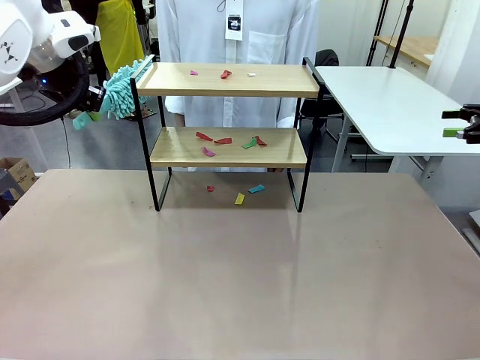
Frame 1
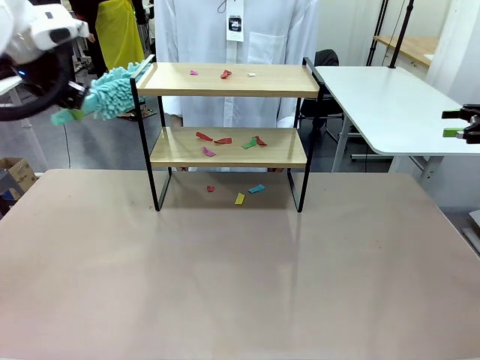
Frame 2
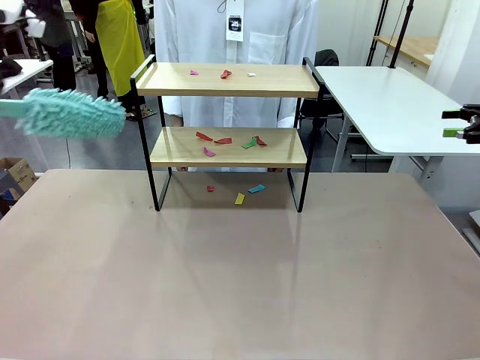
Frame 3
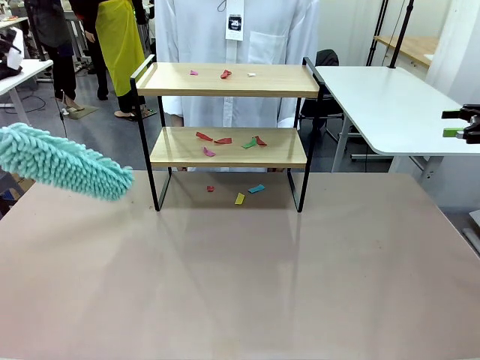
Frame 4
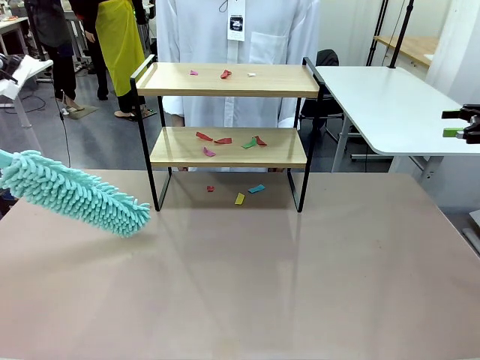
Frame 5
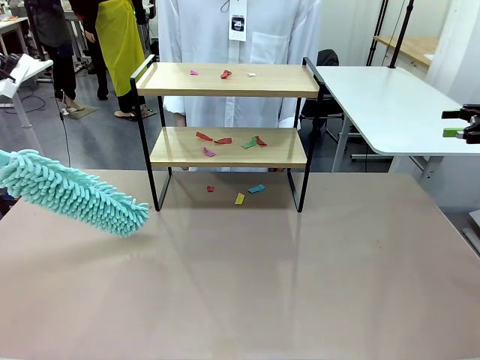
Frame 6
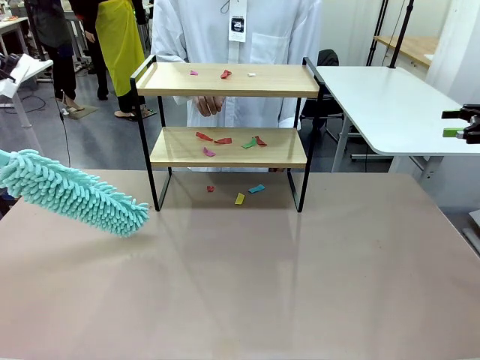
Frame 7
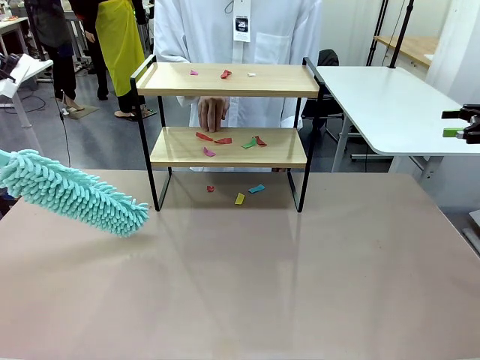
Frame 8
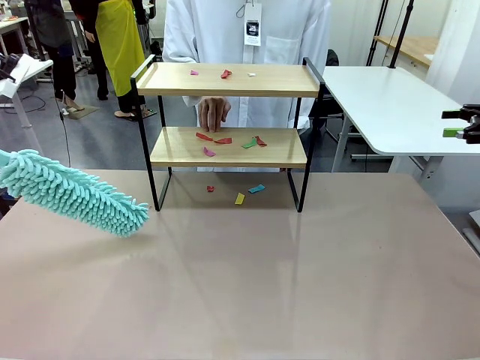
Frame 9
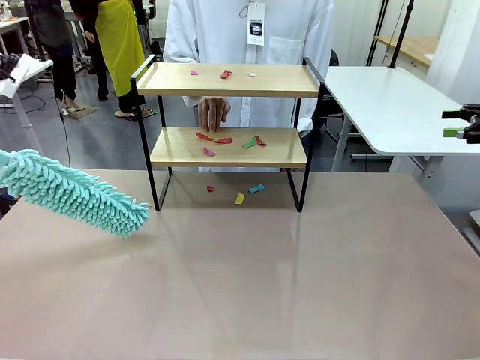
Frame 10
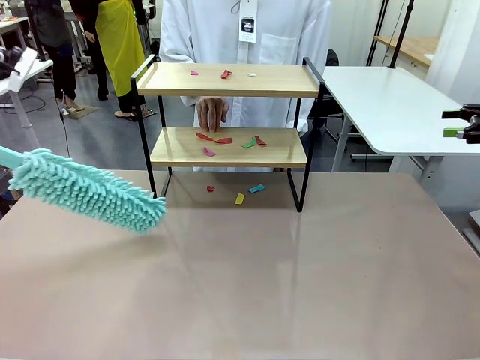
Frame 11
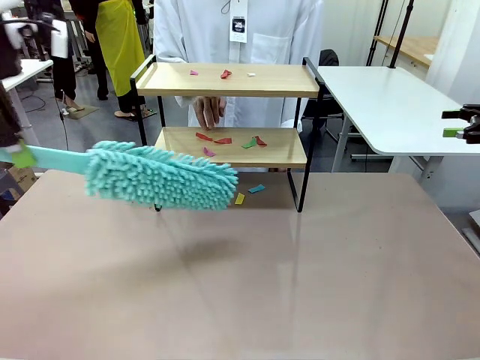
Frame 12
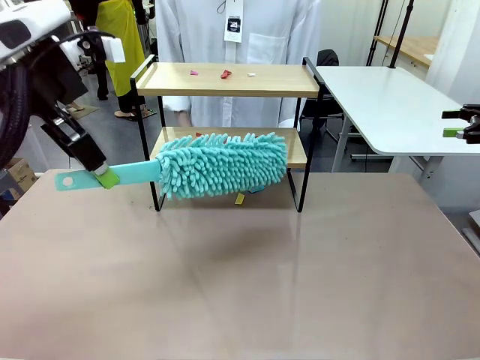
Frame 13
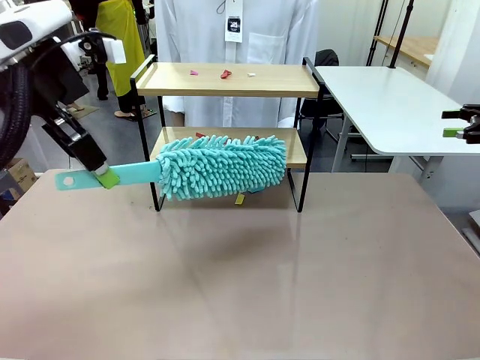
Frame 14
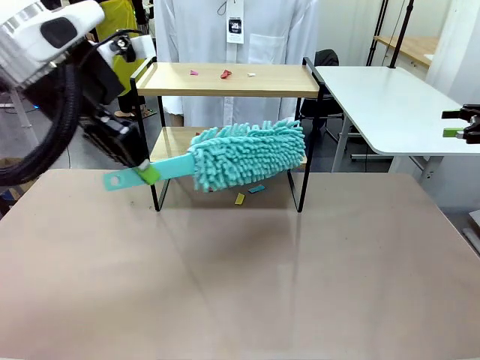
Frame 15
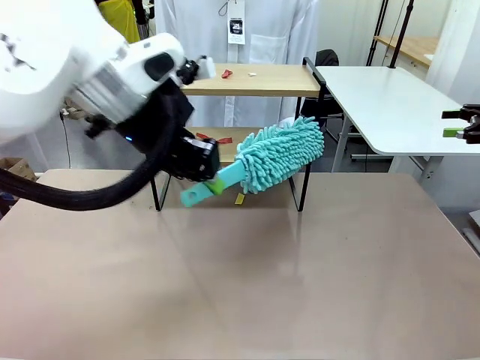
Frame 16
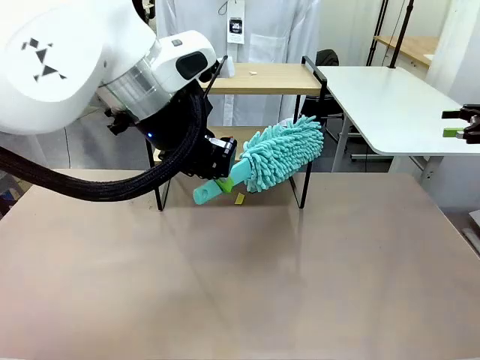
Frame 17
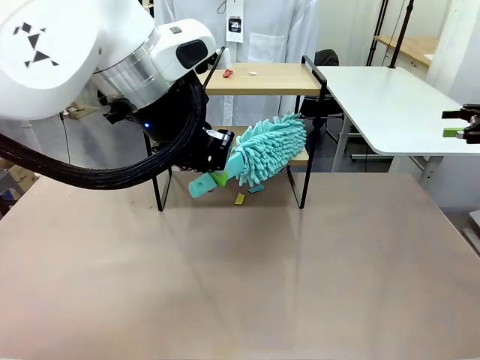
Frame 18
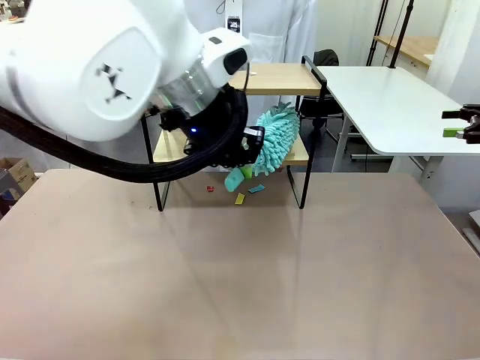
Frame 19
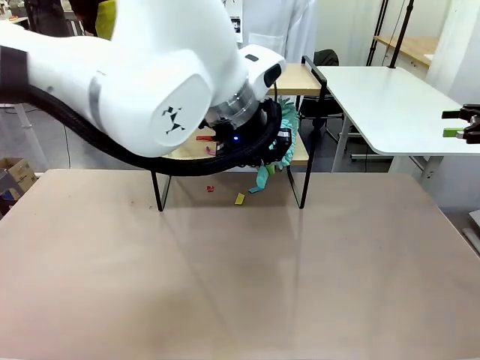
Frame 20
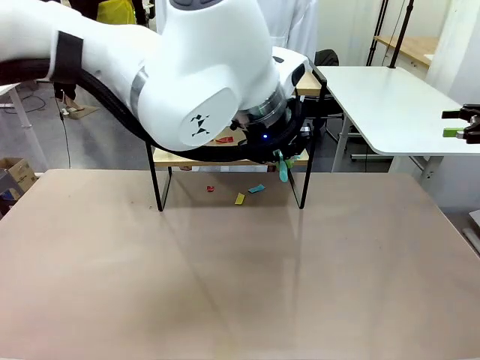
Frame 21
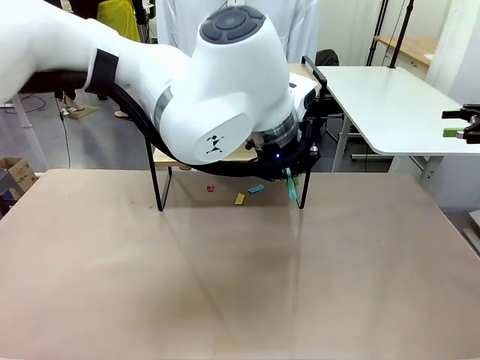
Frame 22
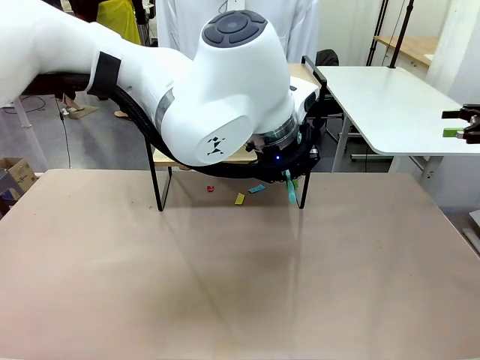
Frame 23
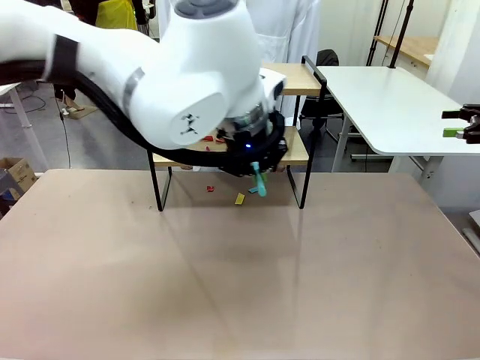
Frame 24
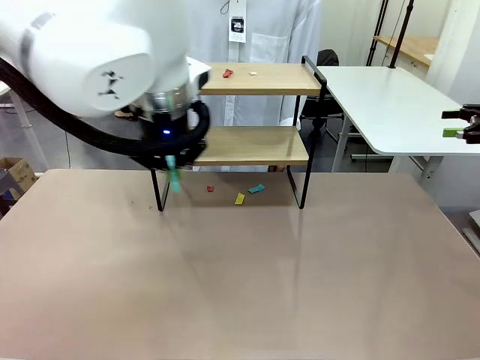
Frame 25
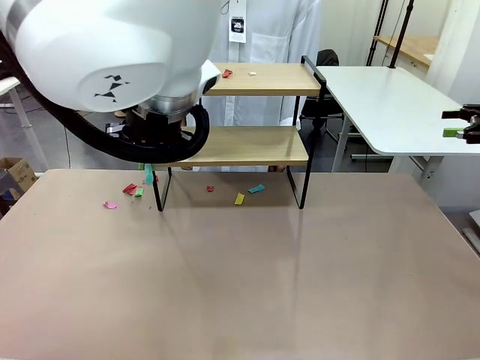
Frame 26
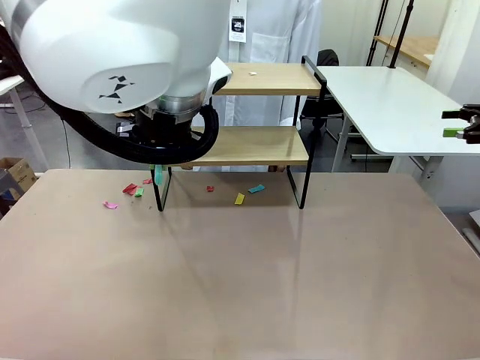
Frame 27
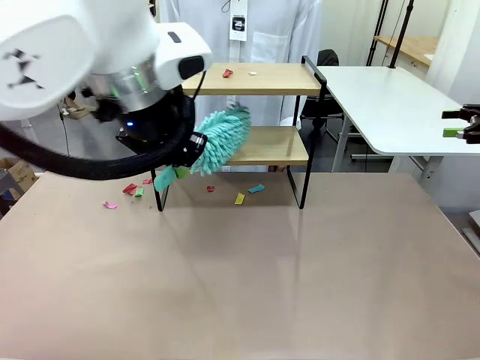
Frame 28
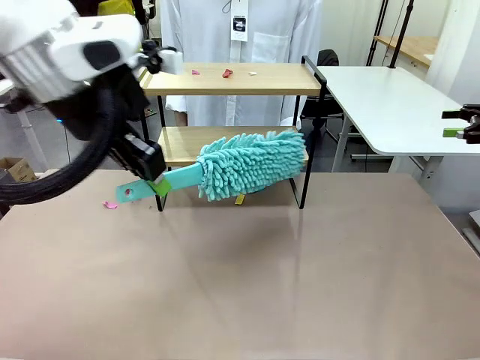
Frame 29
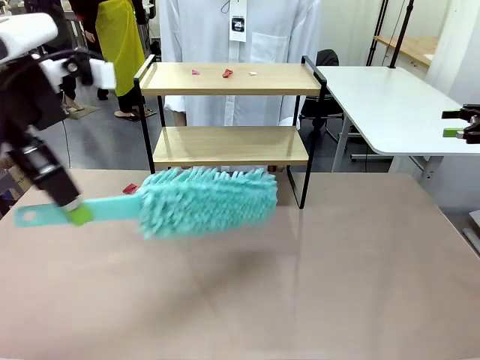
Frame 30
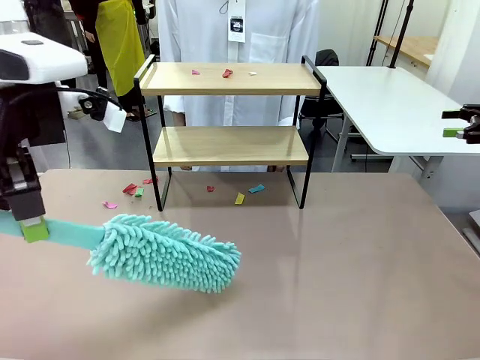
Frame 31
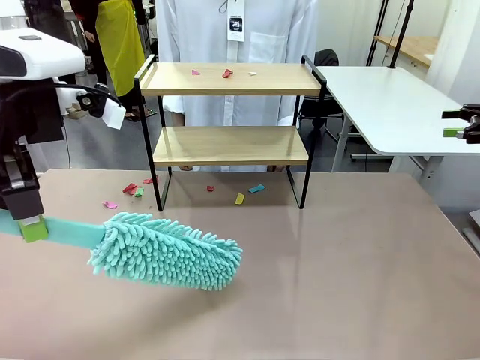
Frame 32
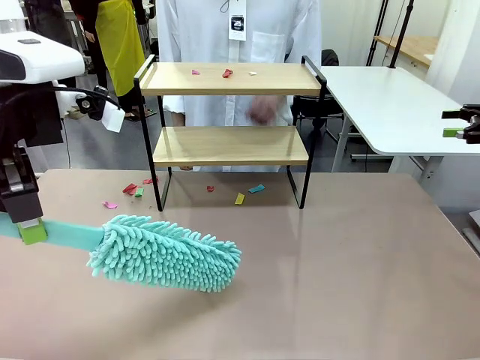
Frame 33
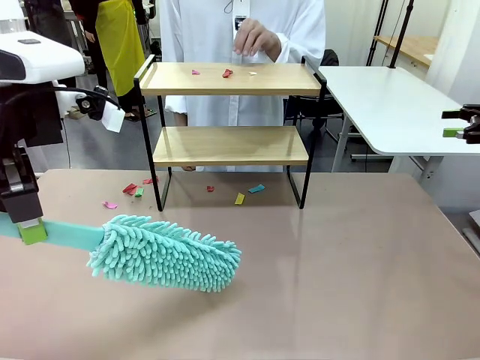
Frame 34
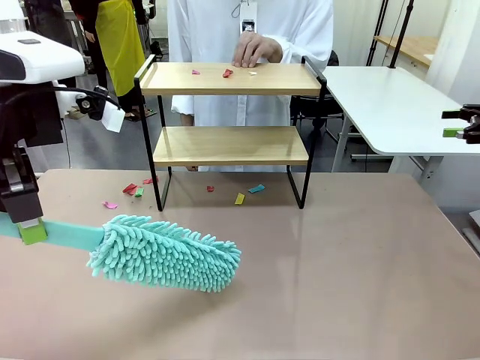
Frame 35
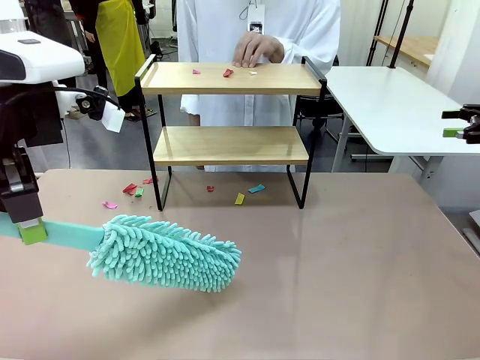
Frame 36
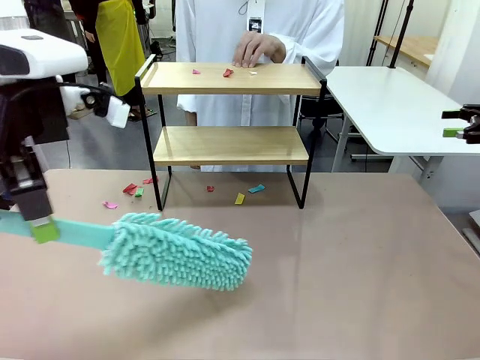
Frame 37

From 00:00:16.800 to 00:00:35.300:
Task: Clean the shelf.
Robot: Clean the specific section of the Shelf indicated by the human with the Duster.
Person: Point a random section of the Shelf.
